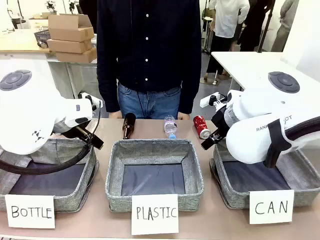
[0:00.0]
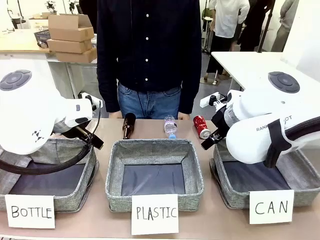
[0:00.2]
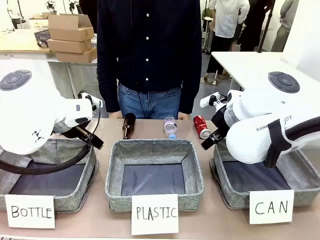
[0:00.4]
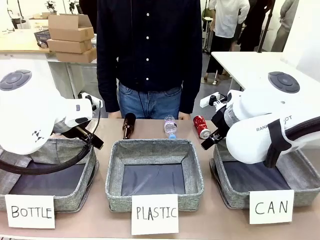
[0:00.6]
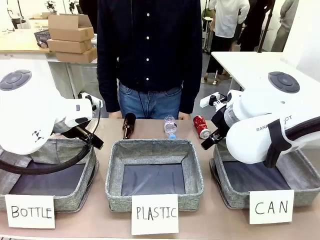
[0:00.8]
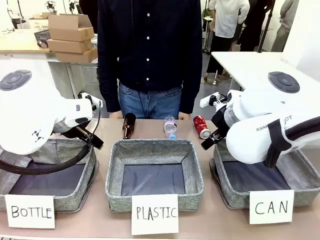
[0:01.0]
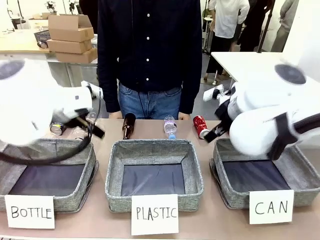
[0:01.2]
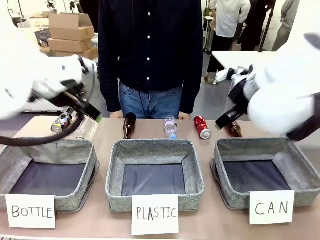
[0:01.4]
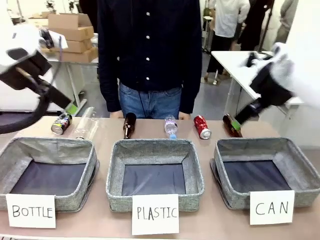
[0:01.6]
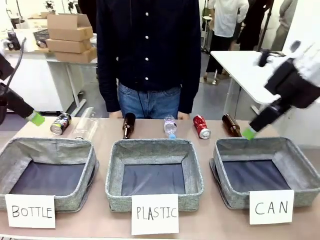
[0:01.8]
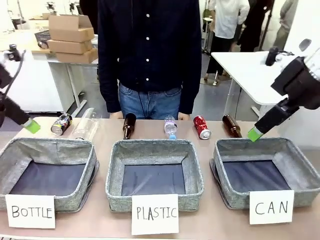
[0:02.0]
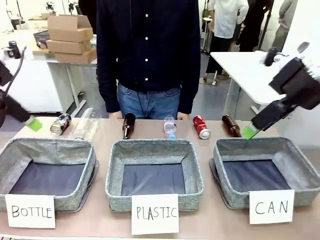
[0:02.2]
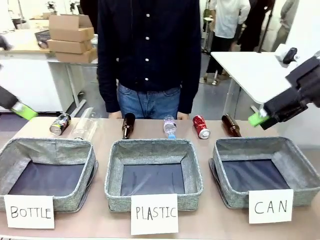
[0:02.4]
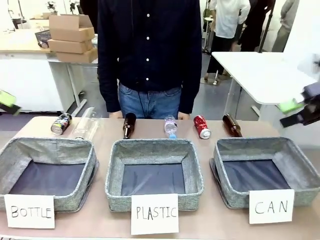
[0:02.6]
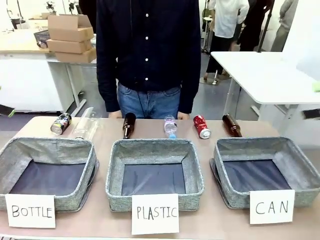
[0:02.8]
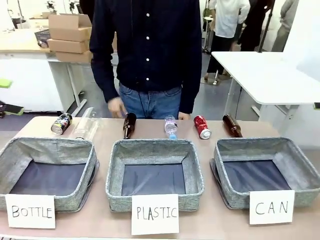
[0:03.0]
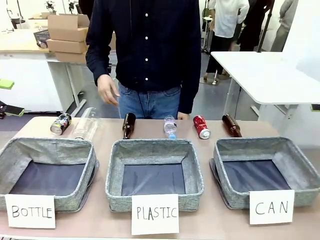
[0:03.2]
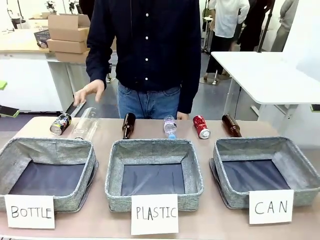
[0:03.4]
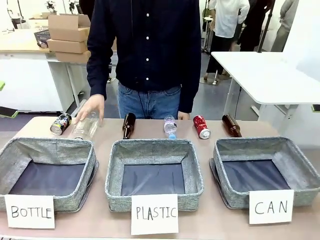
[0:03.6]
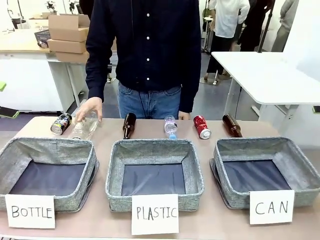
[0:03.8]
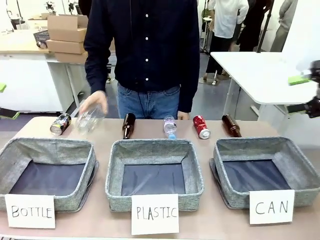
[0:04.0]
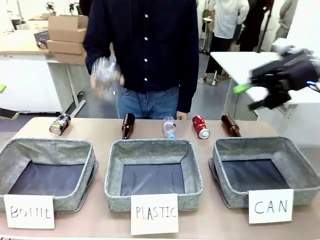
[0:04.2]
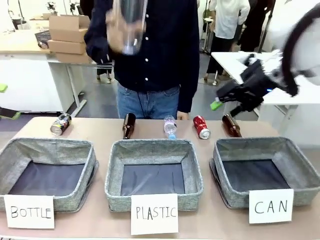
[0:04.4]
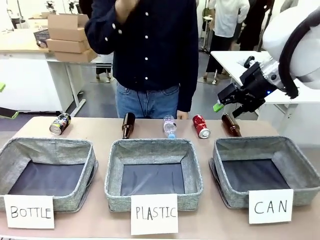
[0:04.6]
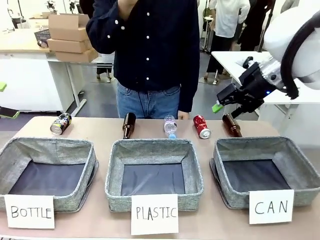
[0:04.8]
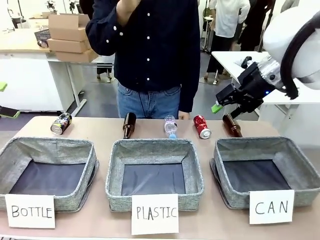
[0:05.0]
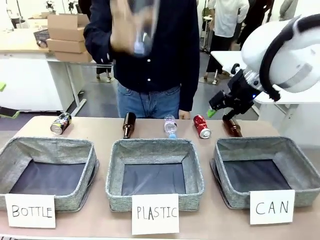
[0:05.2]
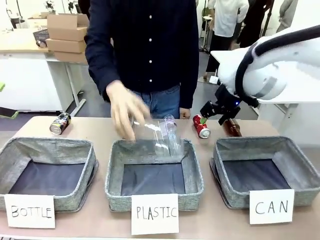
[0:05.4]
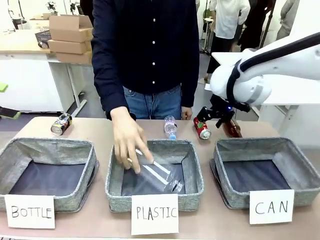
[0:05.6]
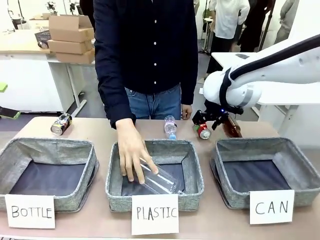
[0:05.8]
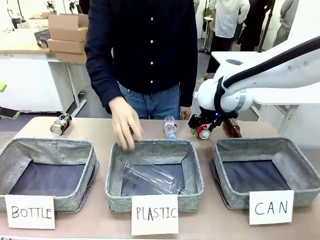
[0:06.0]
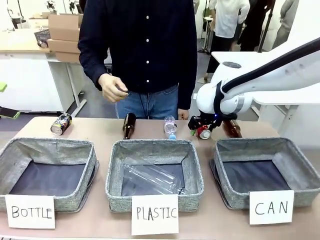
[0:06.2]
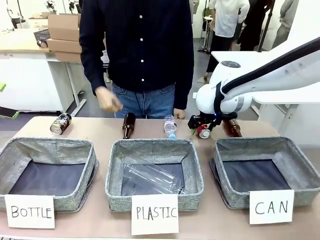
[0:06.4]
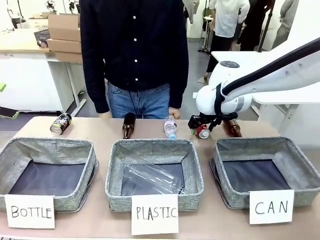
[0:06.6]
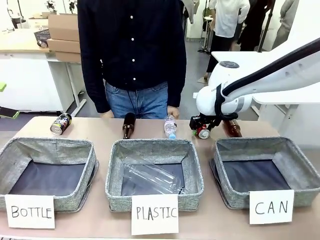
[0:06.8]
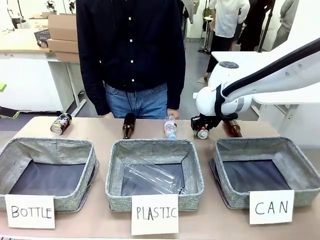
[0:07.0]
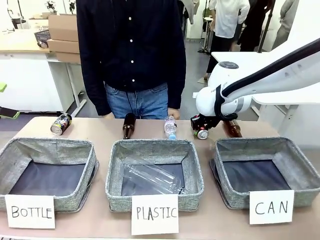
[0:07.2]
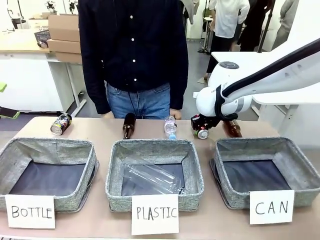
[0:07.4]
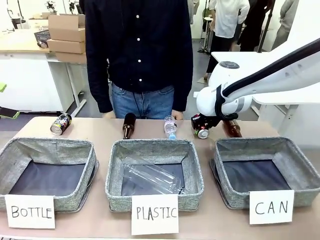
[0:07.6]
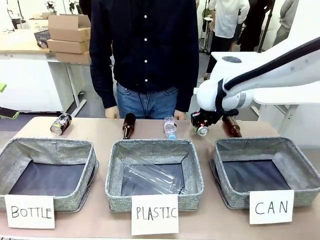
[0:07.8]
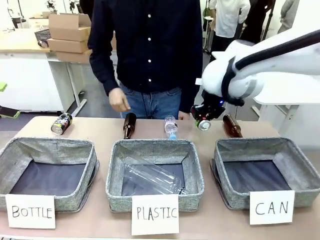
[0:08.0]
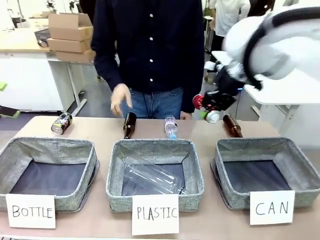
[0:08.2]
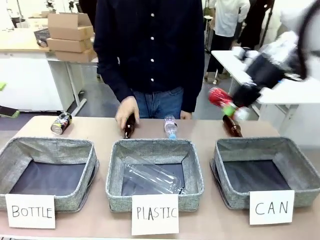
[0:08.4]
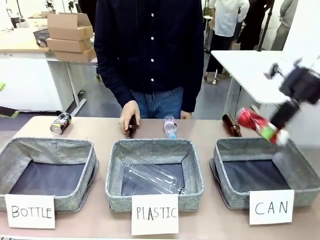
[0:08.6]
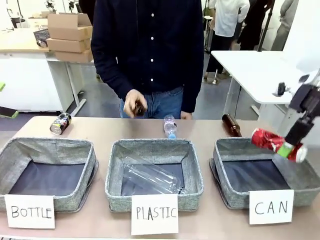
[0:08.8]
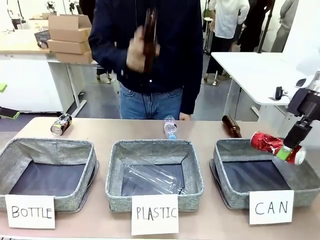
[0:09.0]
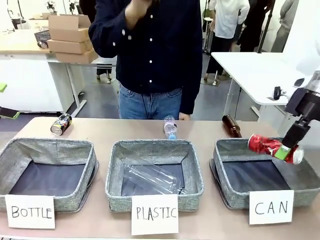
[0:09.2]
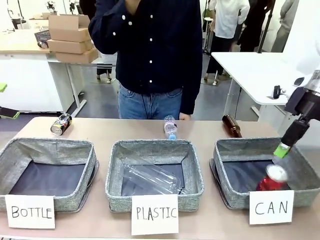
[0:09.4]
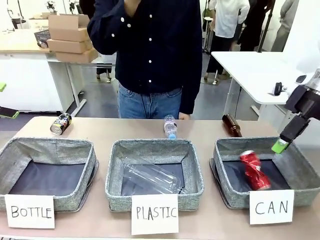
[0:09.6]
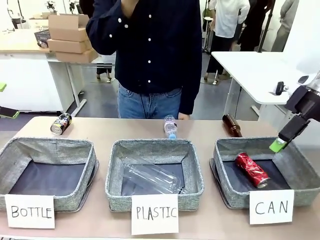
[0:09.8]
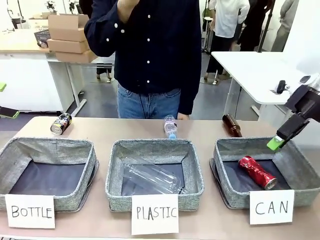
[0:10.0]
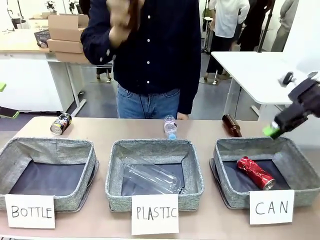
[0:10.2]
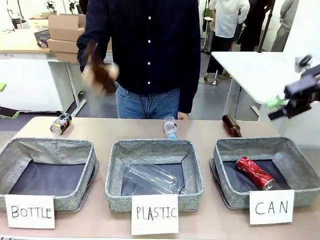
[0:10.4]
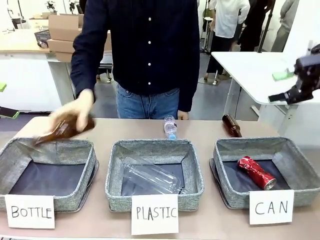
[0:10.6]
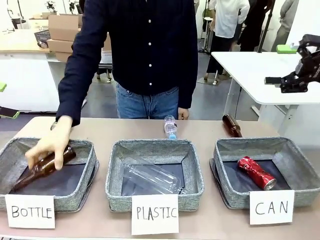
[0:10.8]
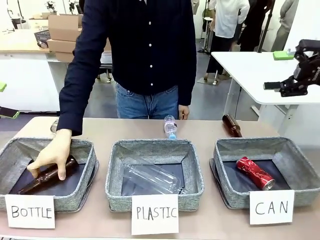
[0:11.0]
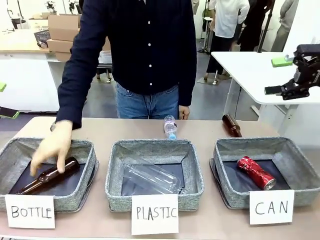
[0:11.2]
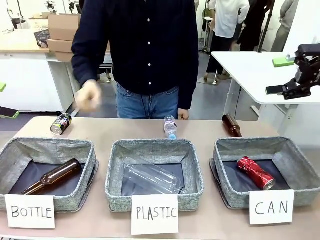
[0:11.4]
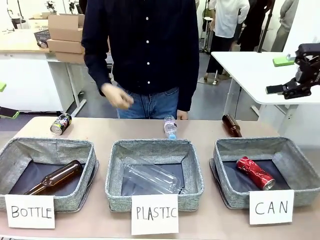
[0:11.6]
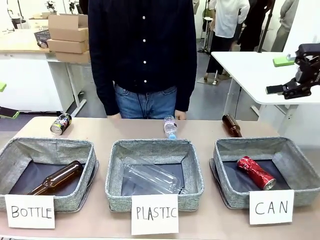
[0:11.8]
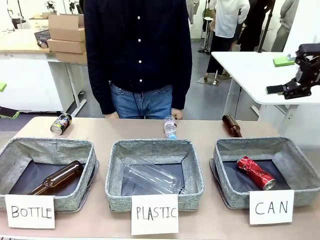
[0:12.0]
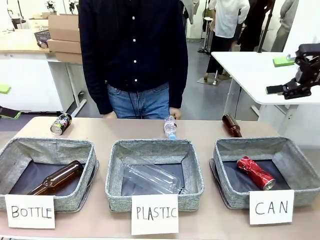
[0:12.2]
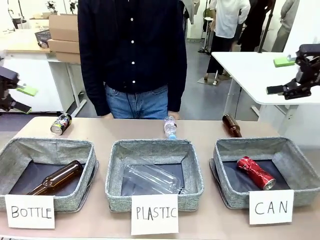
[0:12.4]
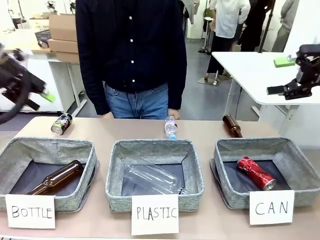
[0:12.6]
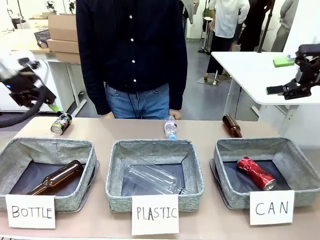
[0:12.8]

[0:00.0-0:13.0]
Task: Sort the can waste into the basket.
Robot: Pick up the can waste from the table and place it in the right Fabric basket.
